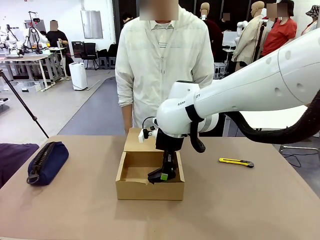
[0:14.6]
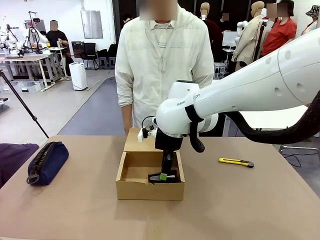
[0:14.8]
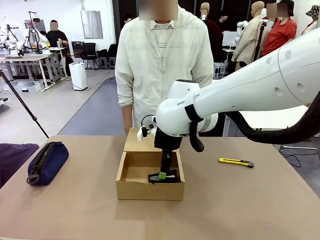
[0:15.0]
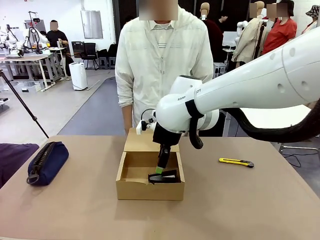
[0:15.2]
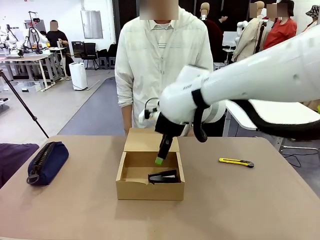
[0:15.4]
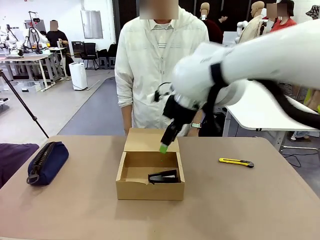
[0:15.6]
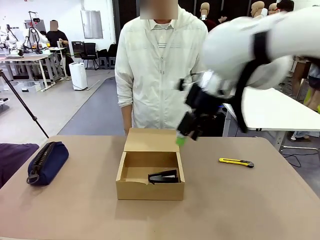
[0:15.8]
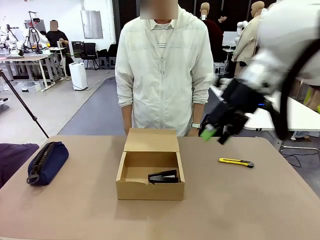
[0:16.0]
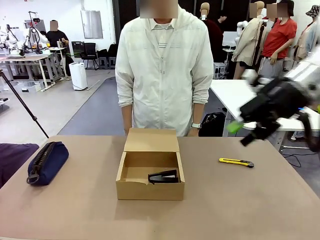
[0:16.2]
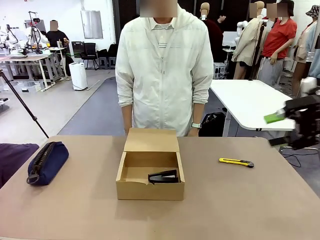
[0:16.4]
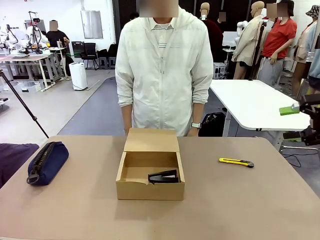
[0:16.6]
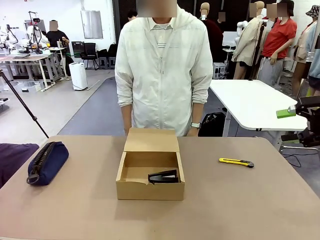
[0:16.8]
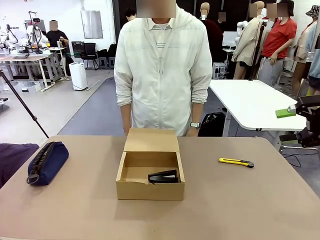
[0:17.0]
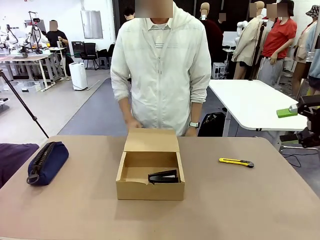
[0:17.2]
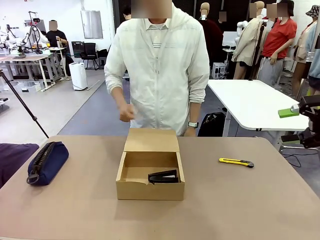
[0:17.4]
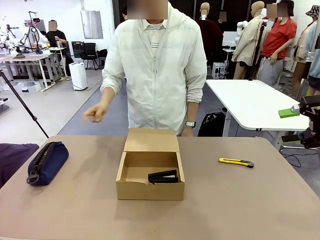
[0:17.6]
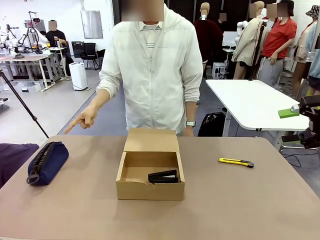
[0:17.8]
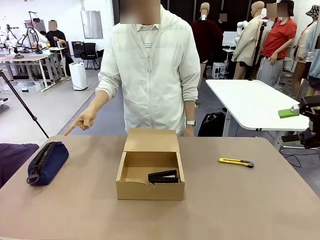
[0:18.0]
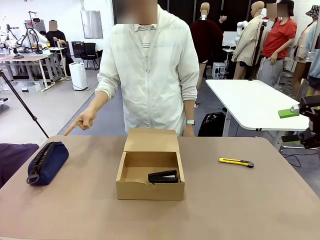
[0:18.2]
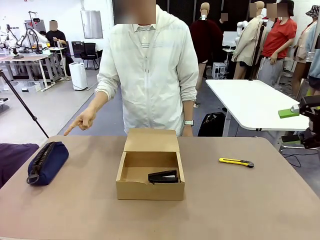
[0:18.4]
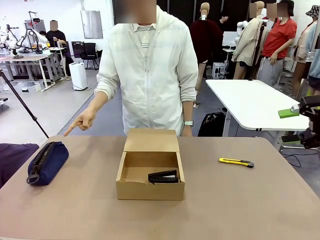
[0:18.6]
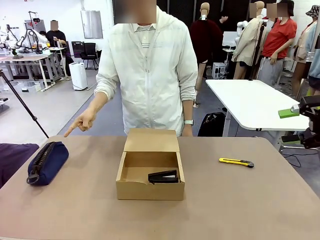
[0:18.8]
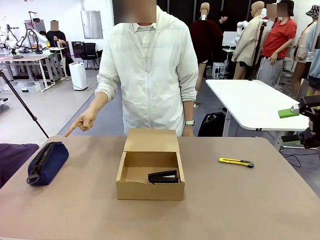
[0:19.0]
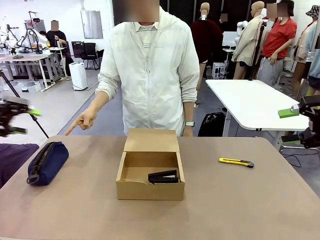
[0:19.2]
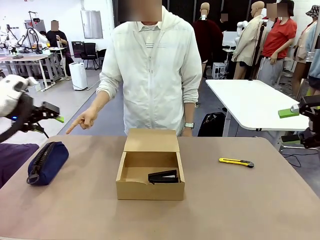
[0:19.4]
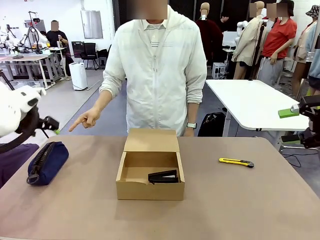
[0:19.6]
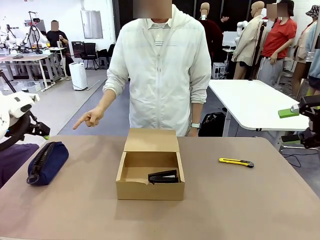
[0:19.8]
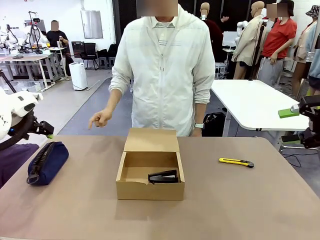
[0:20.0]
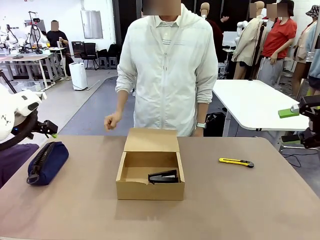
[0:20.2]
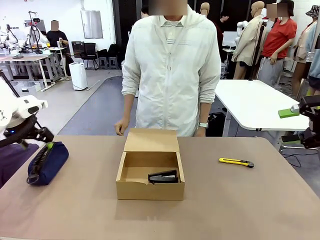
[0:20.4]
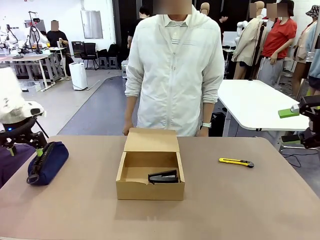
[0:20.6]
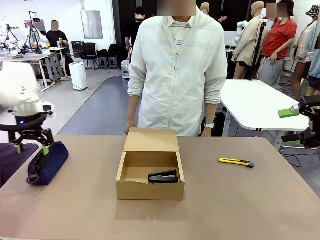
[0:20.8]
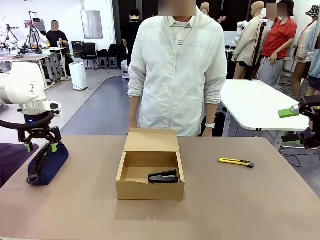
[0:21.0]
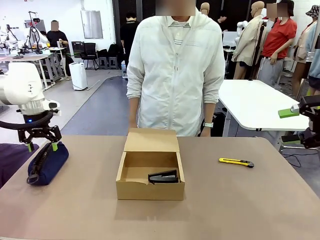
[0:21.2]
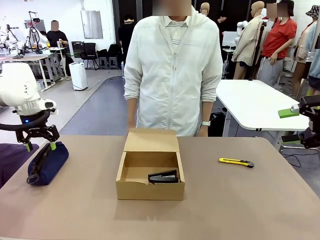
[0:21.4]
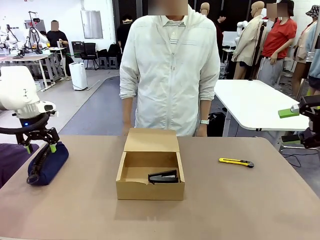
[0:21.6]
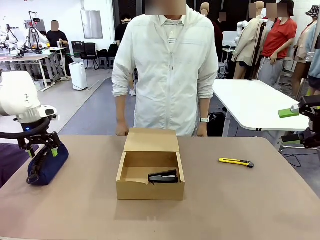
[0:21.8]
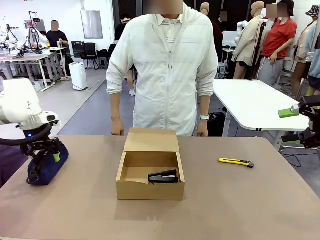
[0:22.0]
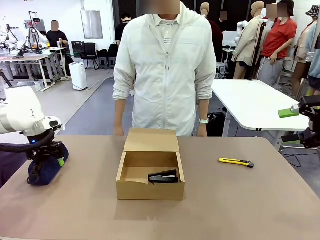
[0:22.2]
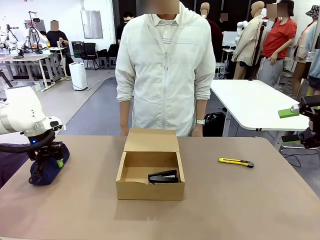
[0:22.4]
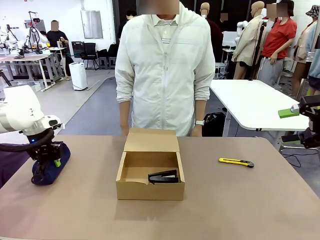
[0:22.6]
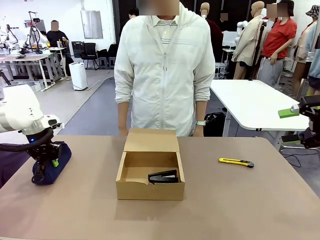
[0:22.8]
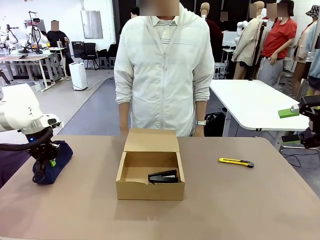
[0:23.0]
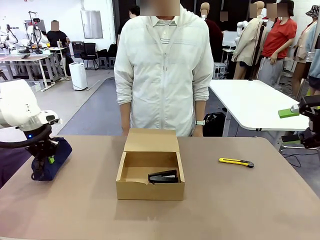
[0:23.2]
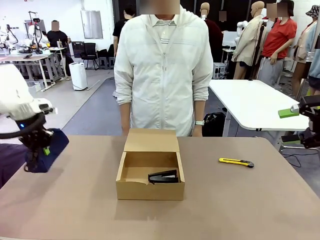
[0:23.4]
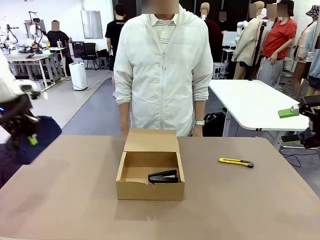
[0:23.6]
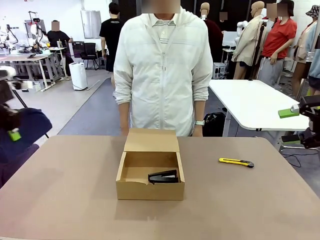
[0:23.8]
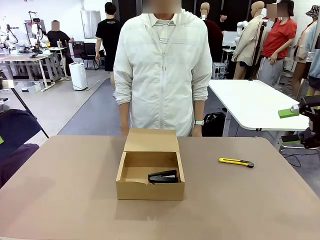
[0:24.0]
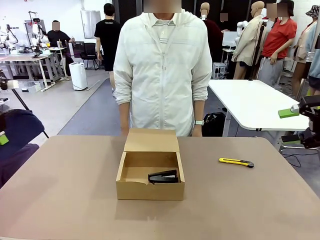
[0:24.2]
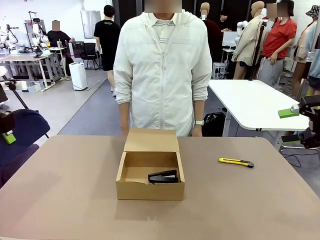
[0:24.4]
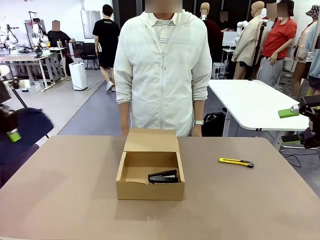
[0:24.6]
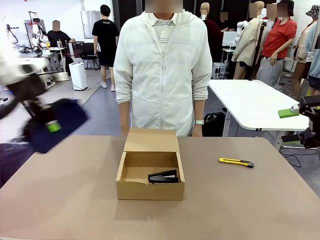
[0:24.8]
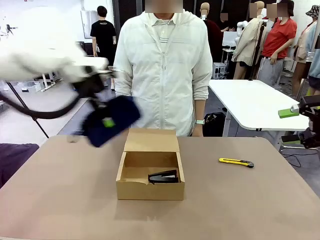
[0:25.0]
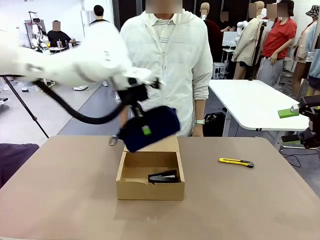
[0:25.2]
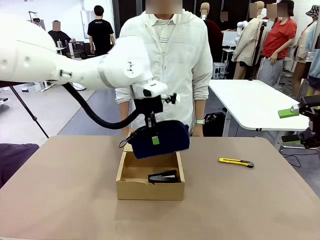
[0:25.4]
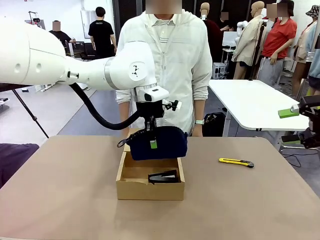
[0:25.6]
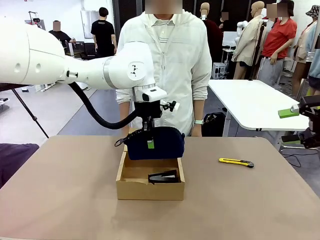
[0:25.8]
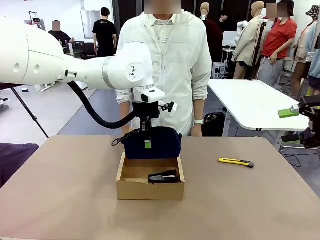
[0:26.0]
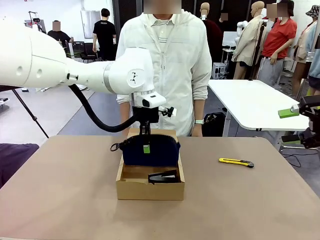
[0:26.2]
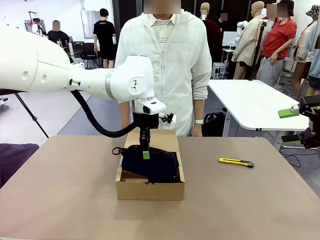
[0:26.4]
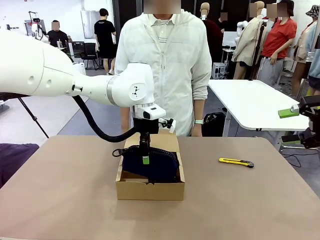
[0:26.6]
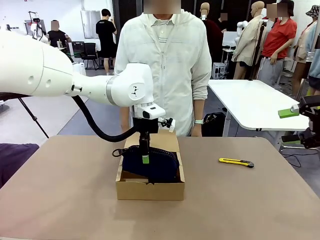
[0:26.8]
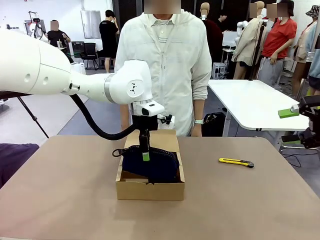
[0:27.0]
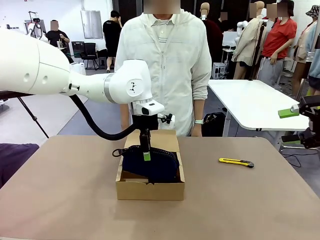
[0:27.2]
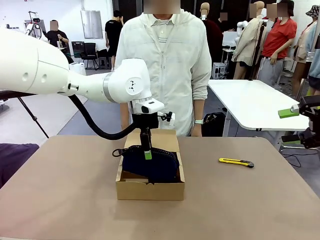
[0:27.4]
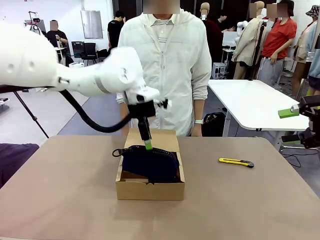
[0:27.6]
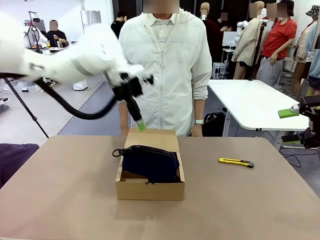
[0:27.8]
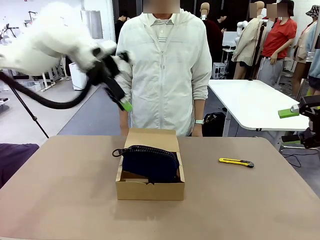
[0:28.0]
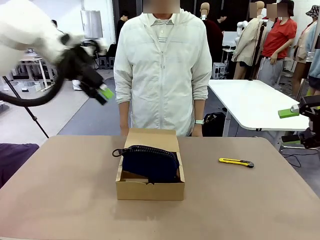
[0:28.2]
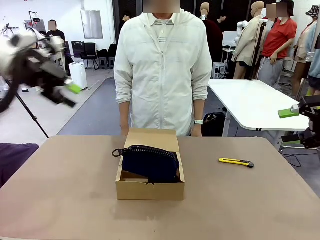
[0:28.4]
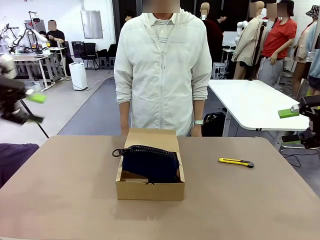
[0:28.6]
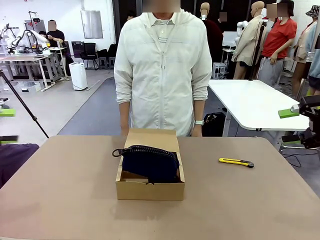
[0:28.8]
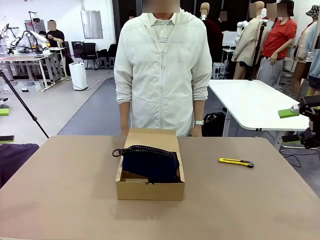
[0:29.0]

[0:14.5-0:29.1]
Task: Pack the items into the box.
Robot: Pick up the item specified by the human and place it in the Mailer Box.
Person: Lower both hands vertically with palms facing downward, as if pressing something closed.

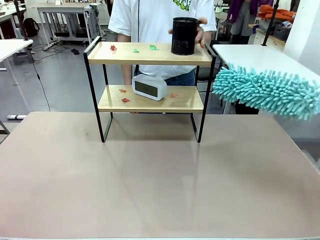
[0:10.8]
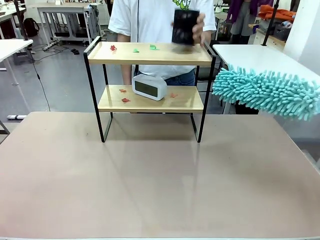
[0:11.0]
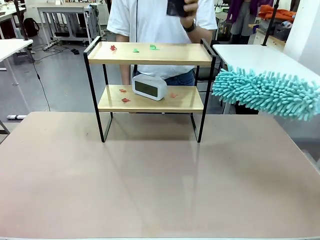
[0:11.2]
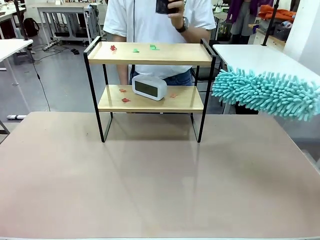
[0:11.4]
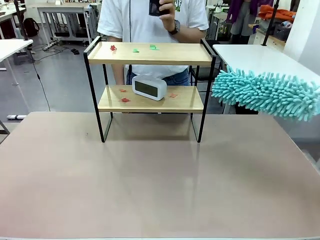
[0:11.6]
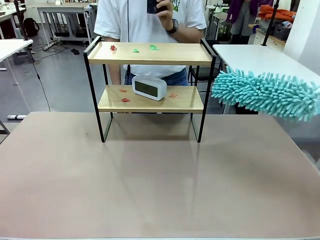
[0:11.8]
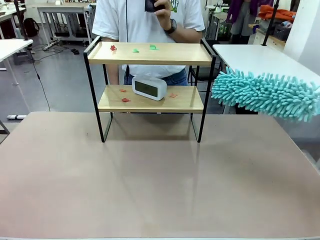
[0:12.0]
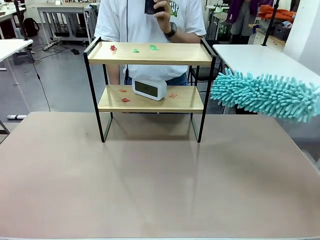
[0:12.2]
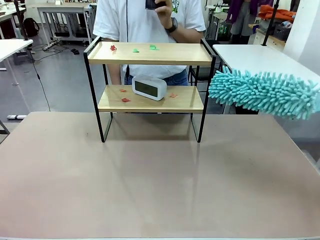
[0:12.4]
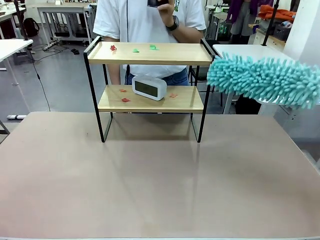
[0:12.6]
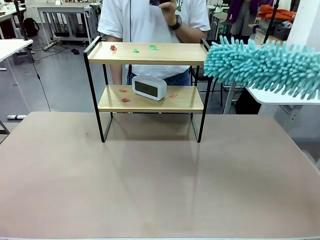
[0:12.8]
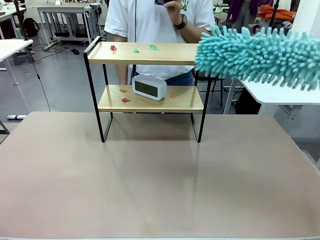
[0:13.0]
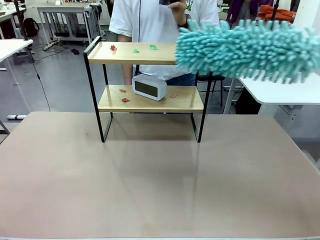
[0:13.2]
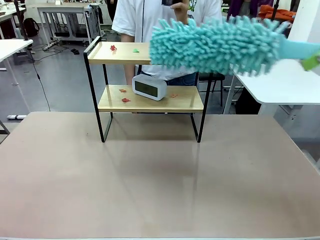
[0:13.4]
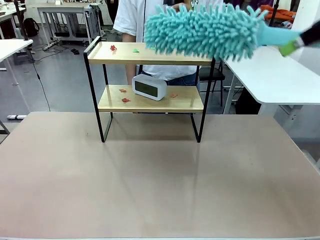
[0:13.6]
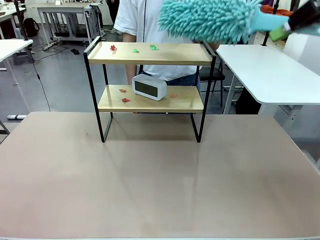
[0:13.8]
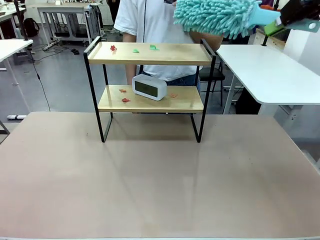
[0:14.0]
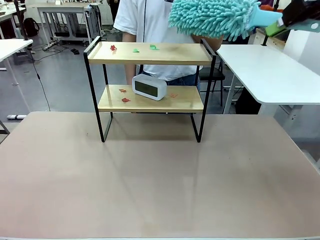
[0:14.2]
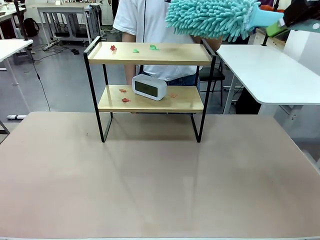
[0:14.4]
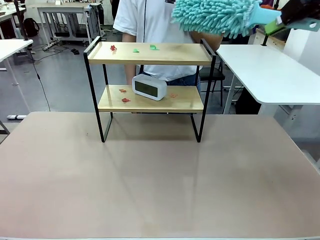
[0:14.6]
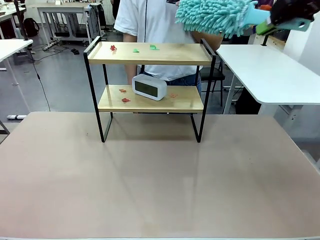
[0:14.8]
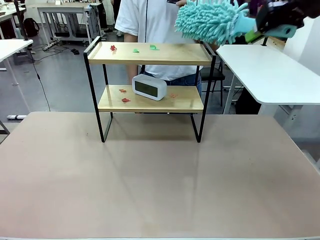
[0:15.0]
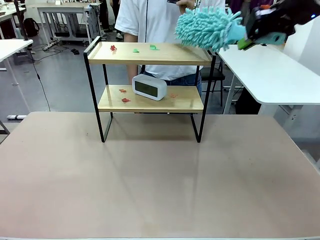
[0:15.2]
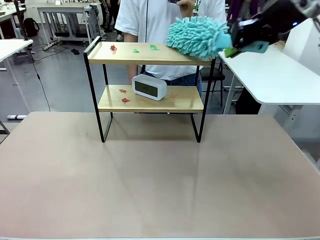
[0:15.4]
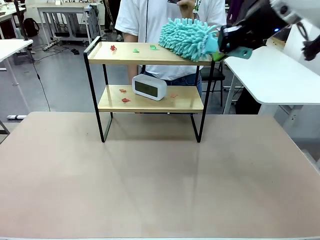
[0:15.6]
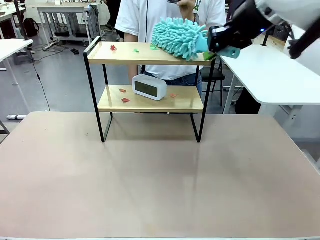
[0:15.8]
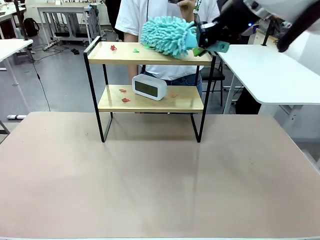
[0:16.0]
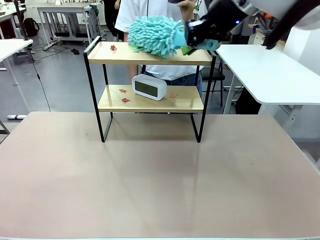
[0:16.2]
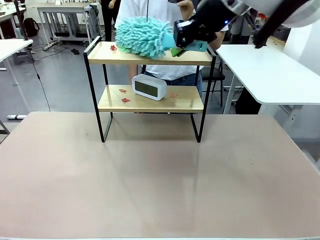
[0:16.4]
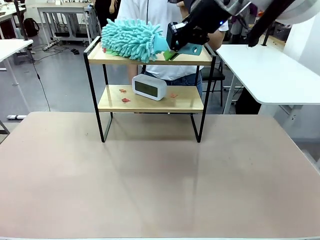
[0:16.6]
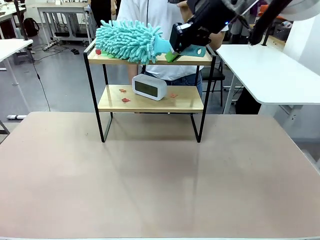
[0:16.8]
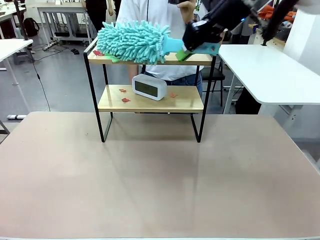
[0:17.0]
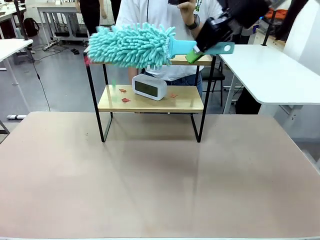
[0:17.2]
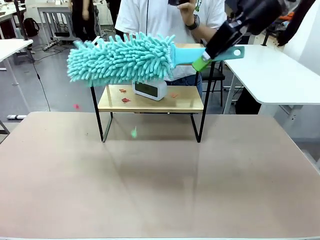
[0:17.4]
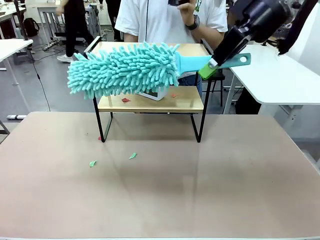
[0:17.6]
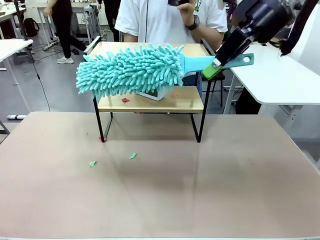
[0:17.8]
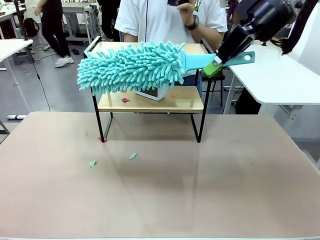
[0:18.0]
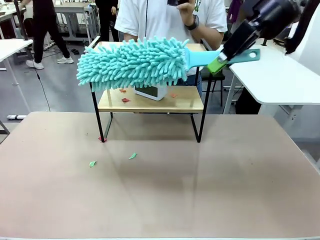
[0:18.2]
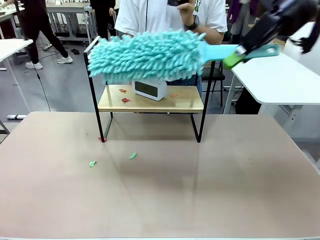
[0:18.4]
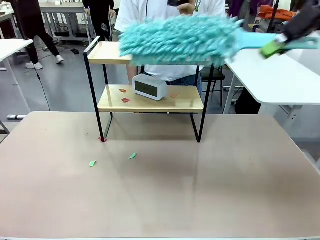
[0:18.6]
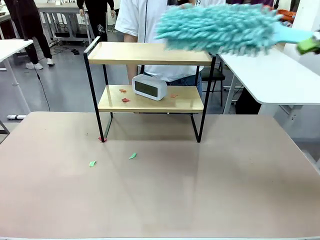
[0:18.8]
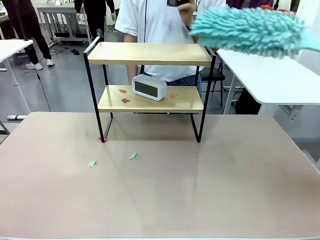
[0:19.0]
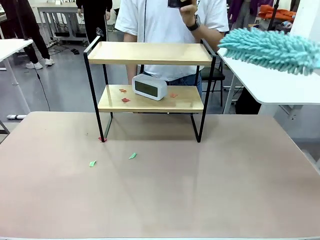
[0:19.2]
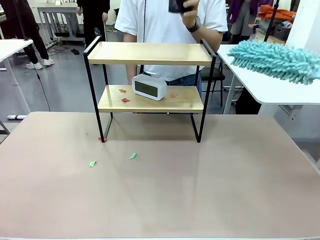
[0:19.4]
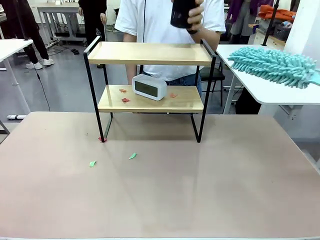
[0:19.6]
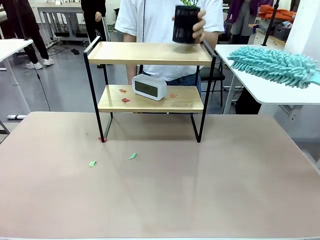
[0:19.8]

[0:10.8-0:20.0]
Task: Clean the shelf.
Robot: Clean the specific tier of the Shelf with the Duster once objects are removed.
Person: Once the robot finishes cleaning, lift the objects on the remaining tiers of the Shelf.
